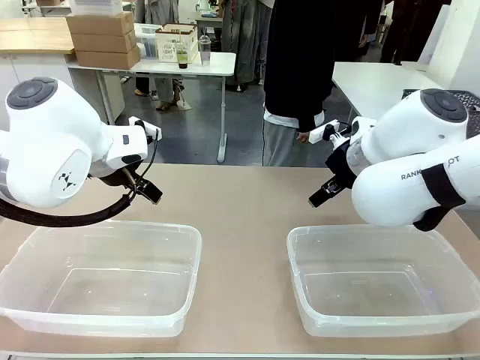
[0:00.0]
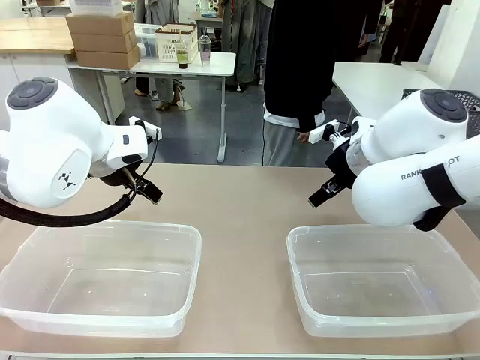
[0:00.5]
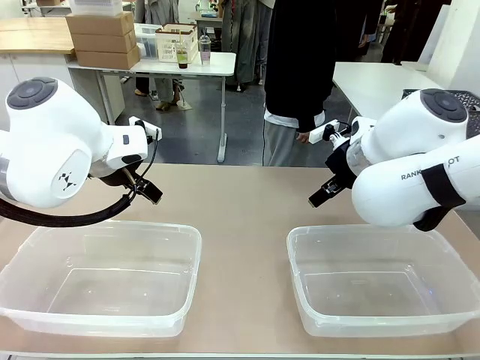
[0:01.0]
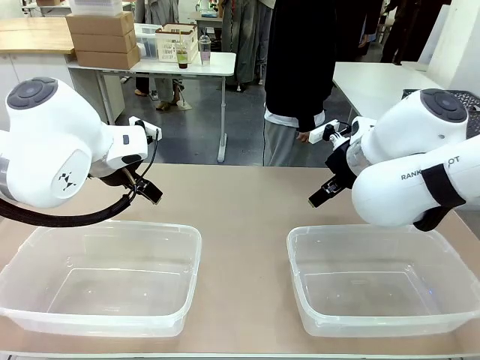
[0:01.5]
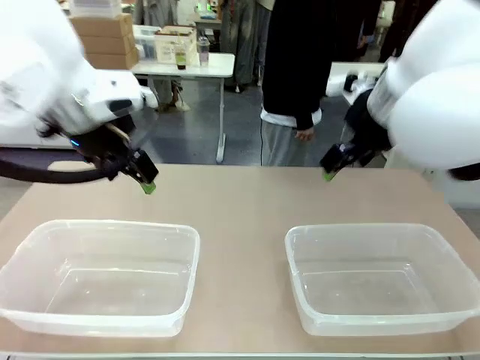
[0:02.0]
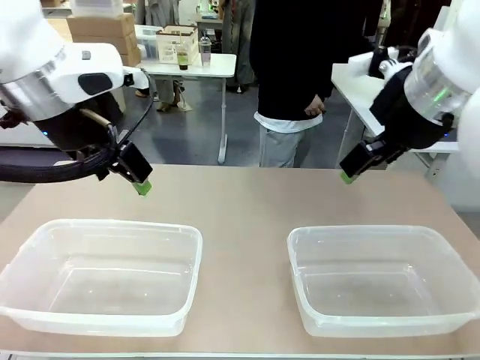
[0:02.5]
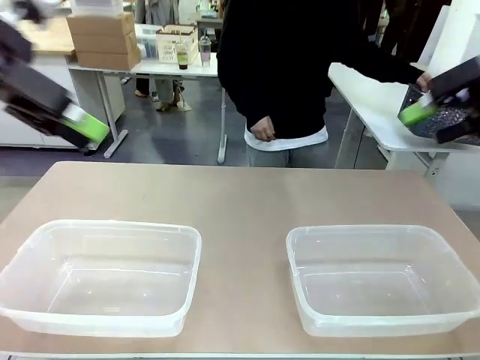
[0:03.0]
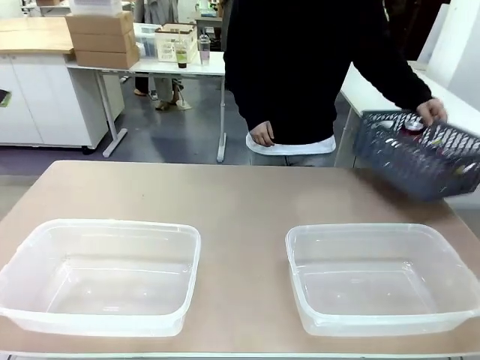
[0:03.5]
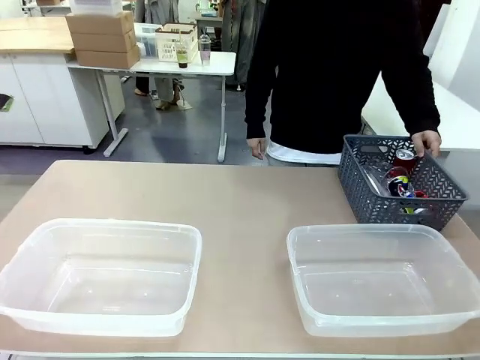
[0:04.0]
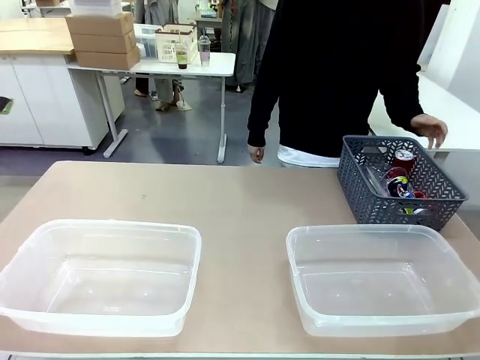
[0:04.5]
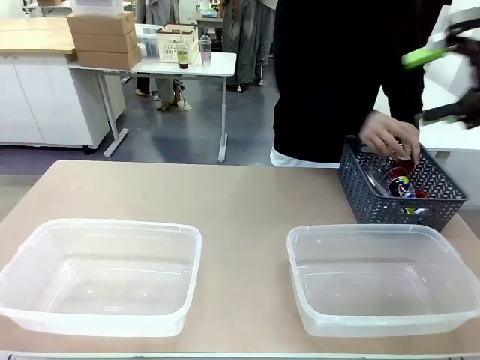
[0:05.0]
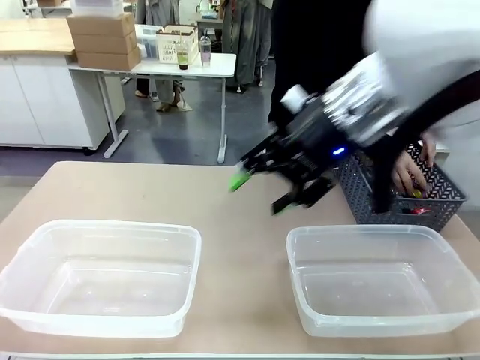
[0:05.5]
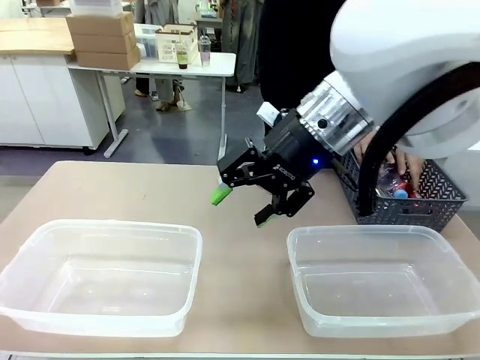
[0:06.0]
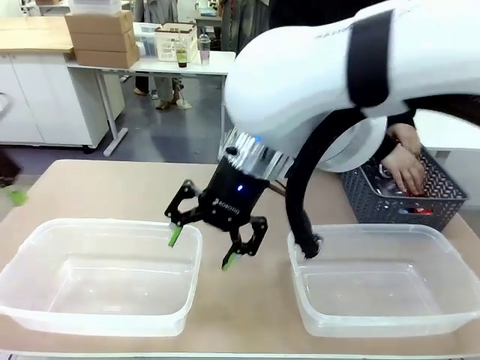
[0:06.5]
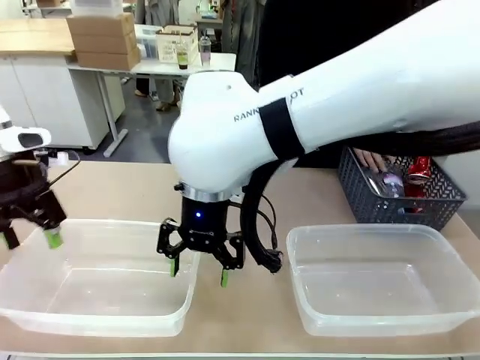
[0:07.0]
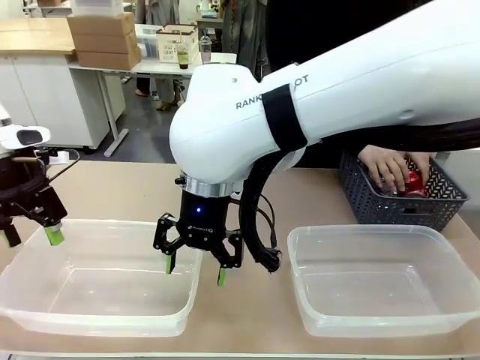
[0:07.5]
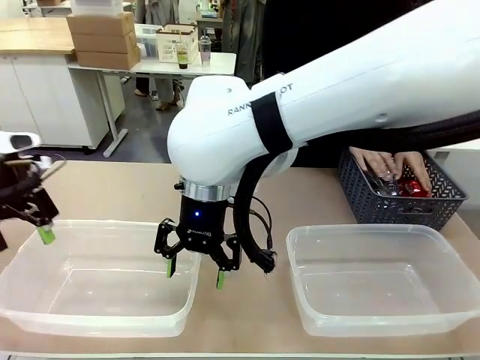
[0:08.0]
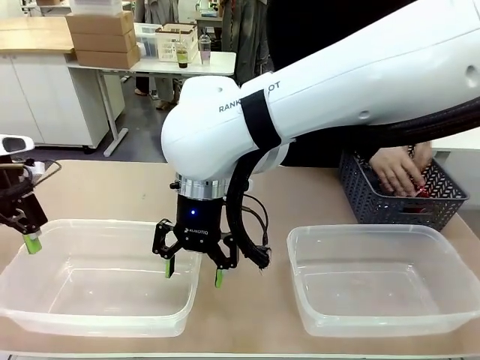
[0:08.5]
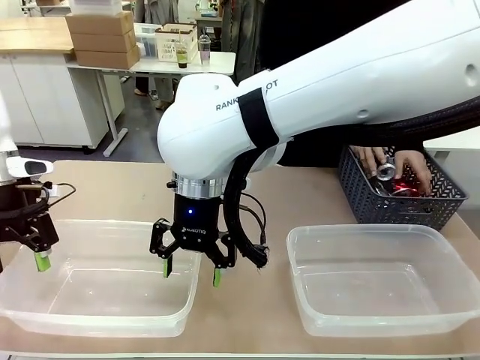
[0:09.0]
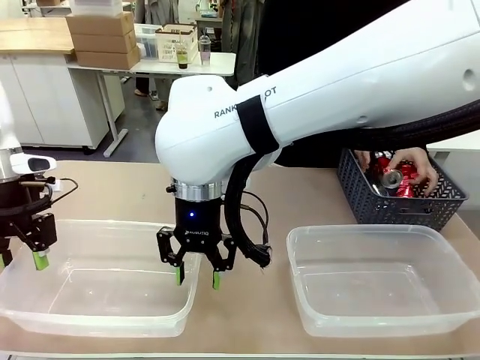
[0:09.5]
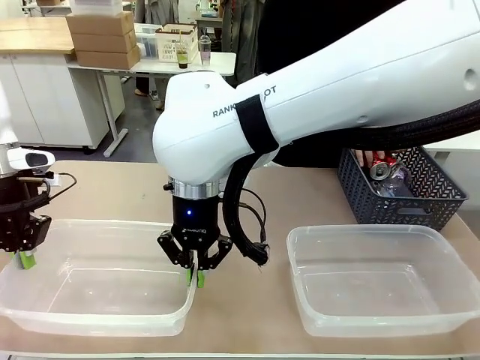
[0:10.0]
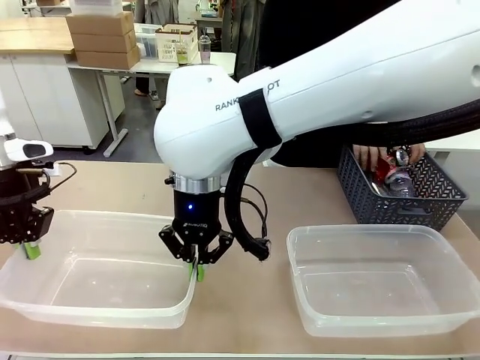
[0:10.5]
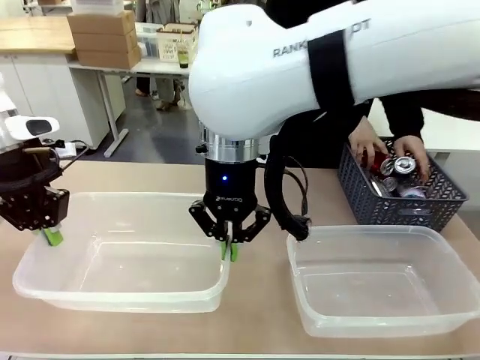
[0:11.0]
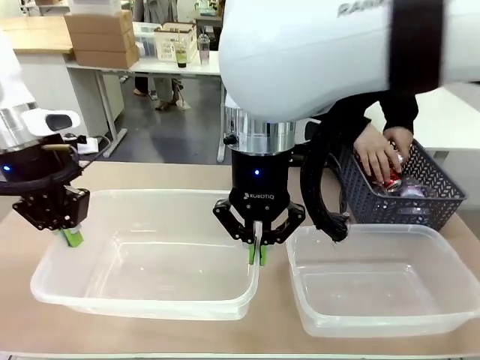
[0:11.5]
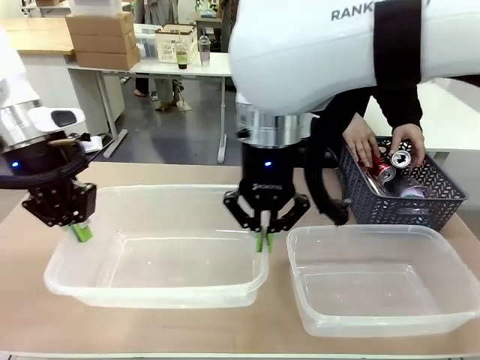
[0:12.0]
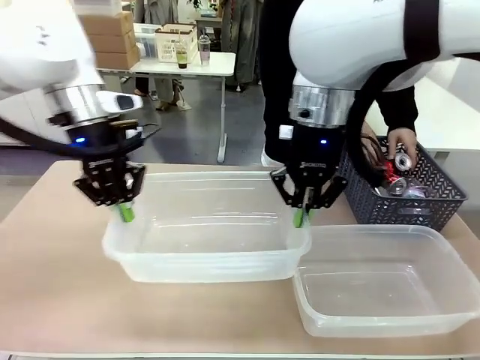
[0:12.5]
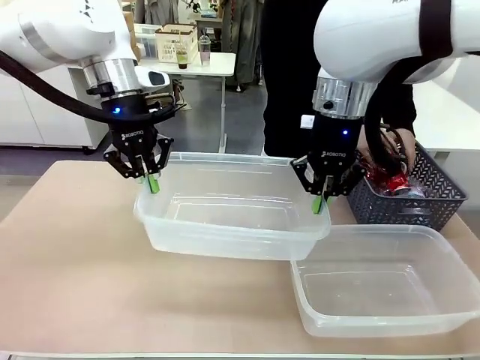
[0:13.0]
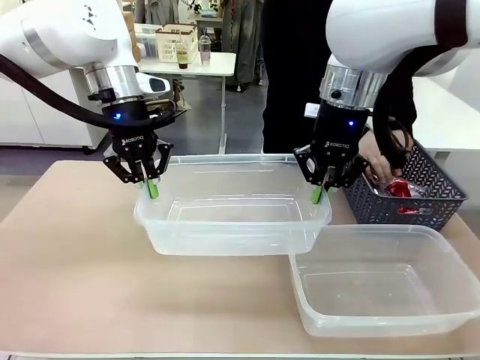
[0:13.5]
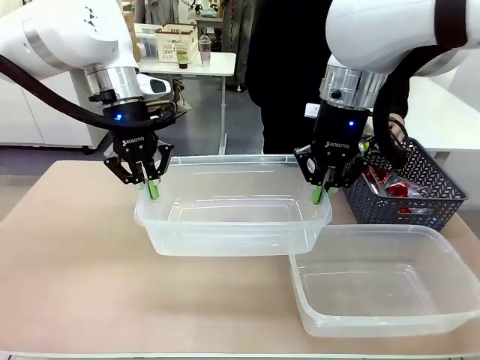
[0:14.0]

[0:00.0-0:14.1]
Robot: Pick up the Organizing box on the left side of the table and lift it.
Person: Pick up the storage basket and place it on the left side of the robot table. Pick up can-shaped waste one by one and place it into the organizing box lifted by the robot.

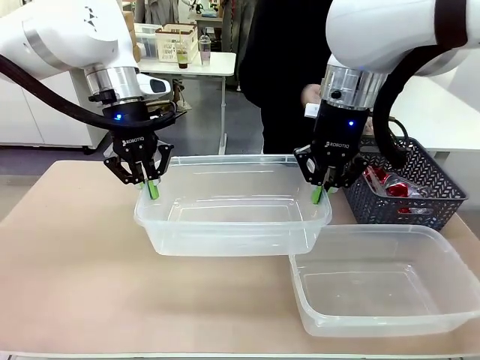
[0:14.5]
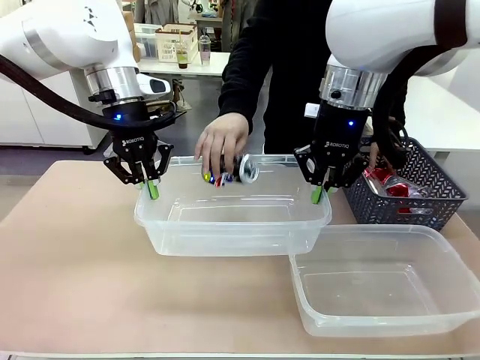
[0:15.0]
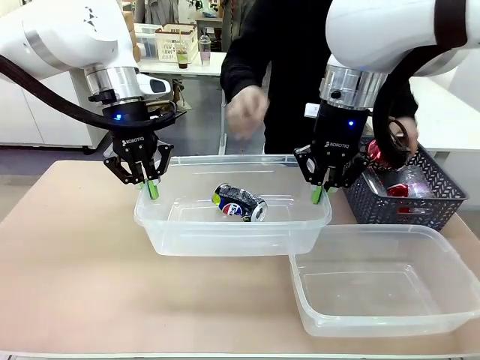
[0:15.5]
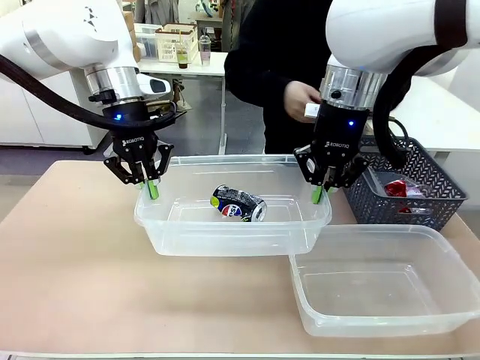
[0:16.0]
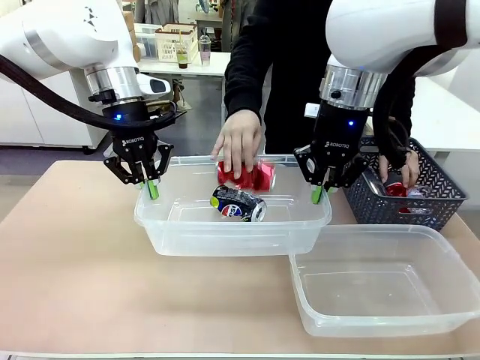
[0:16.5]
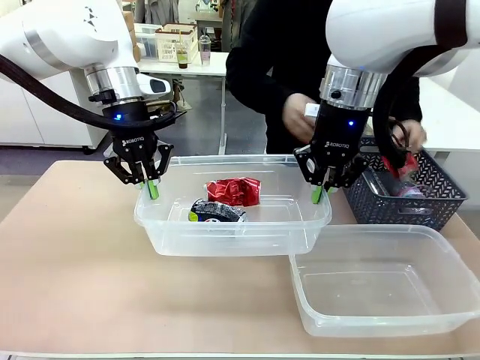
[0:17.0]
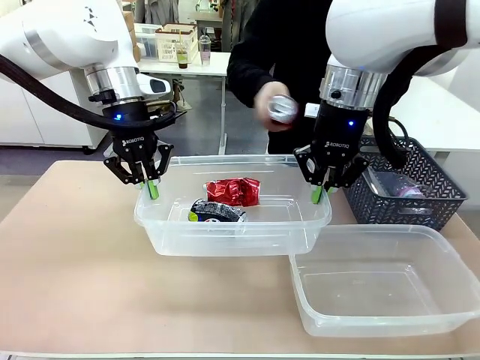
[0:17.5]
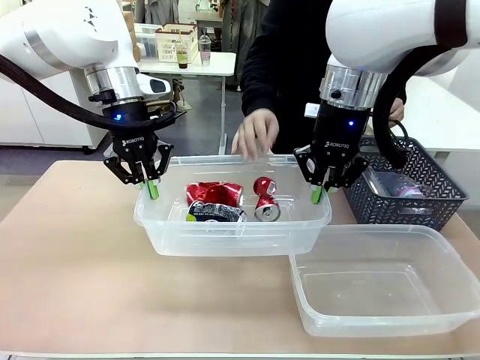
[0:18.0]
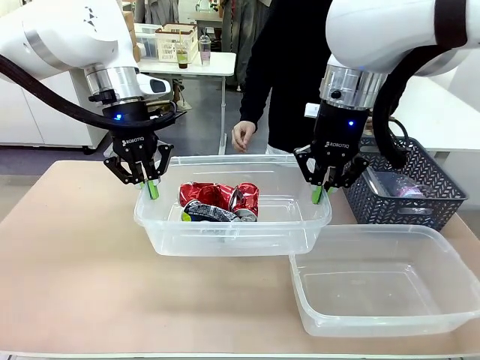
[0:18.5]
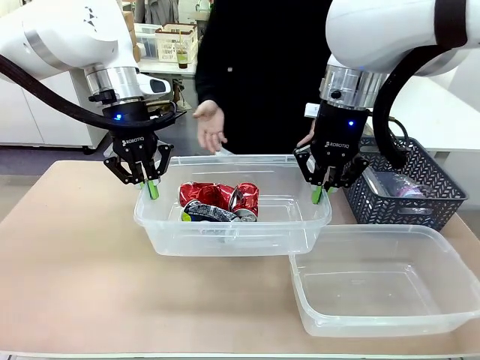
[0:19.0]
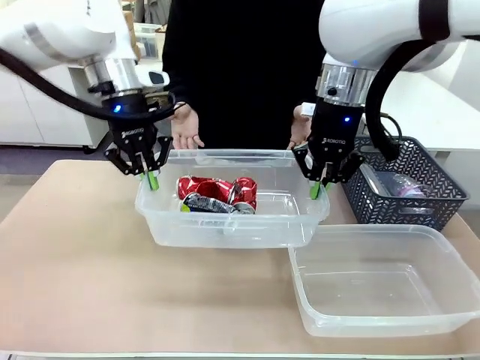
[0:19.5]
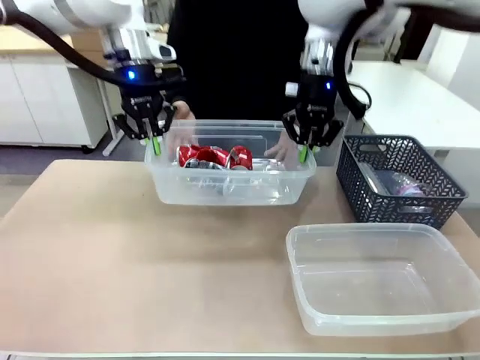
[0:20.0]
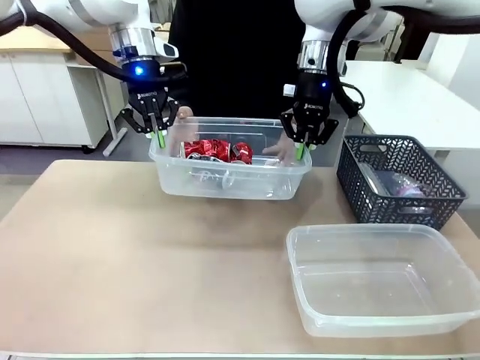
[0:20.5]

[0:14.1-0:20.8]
Robot: Offer the picked Organizing box to the human.

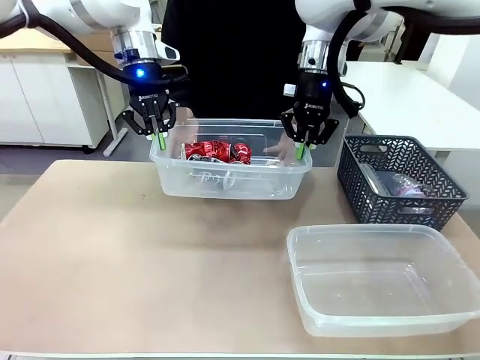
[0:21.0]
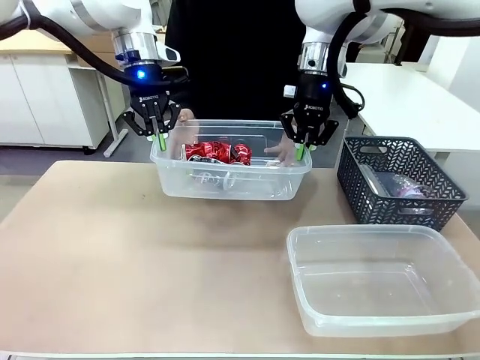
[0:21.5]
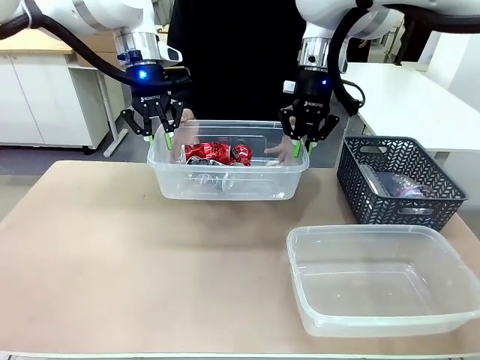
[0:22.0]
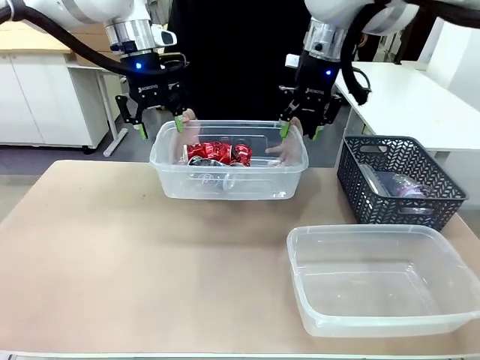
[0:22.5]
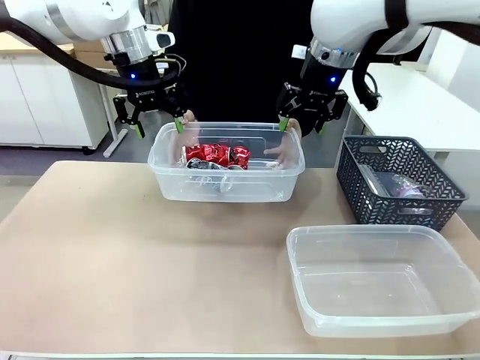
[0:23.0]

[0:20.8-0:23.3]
Robot: Release the Organizing box you were holding.
